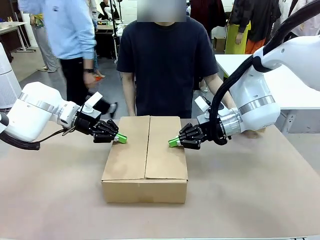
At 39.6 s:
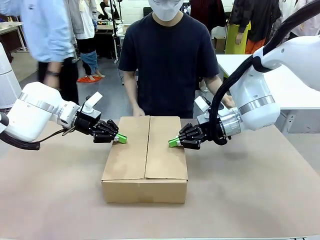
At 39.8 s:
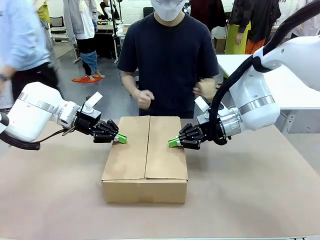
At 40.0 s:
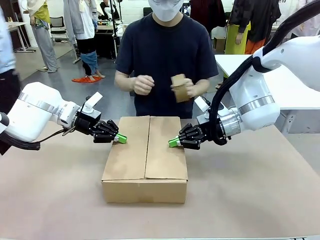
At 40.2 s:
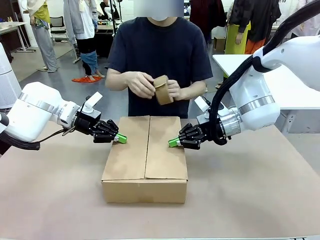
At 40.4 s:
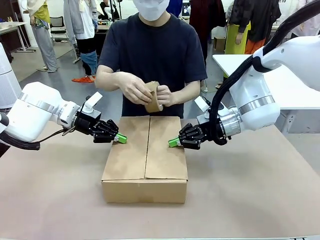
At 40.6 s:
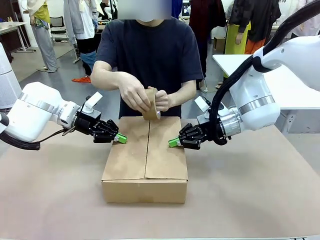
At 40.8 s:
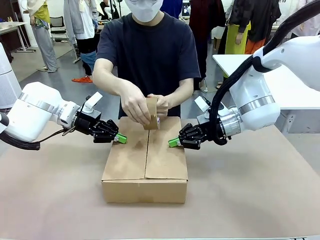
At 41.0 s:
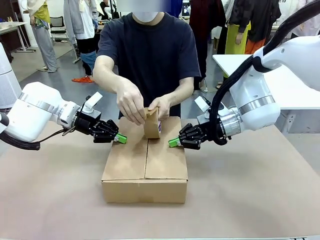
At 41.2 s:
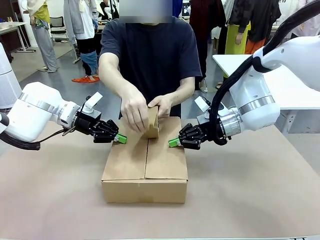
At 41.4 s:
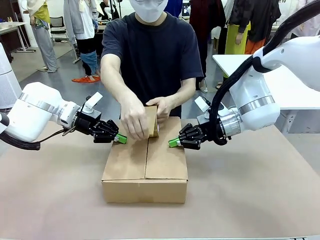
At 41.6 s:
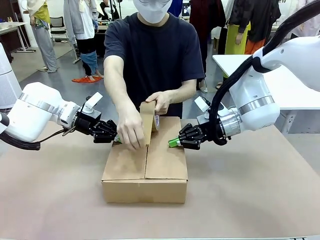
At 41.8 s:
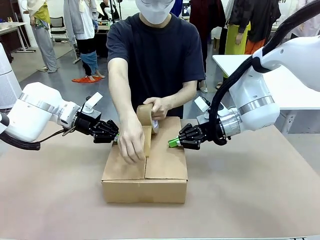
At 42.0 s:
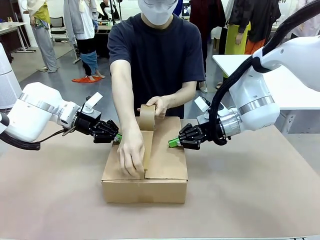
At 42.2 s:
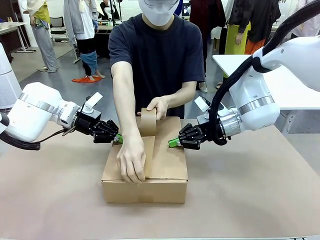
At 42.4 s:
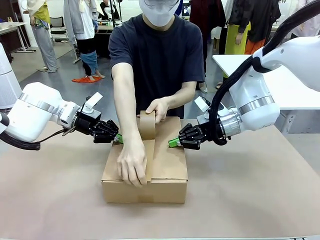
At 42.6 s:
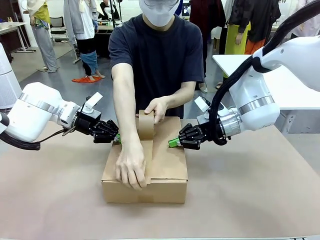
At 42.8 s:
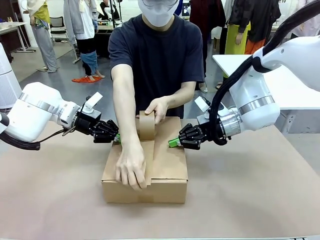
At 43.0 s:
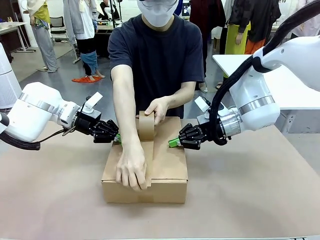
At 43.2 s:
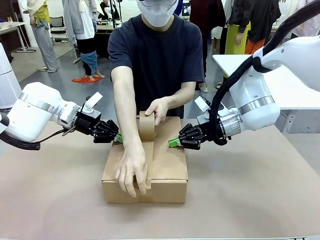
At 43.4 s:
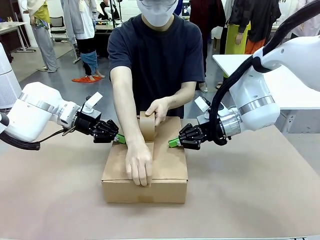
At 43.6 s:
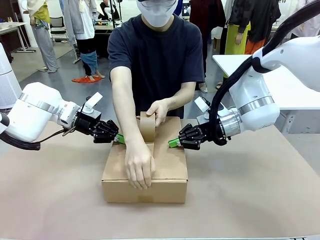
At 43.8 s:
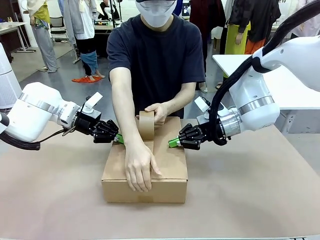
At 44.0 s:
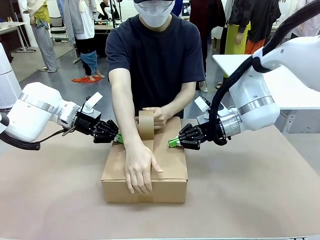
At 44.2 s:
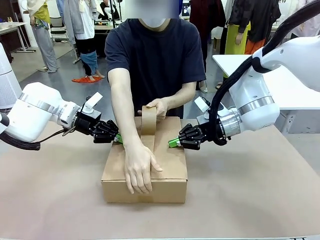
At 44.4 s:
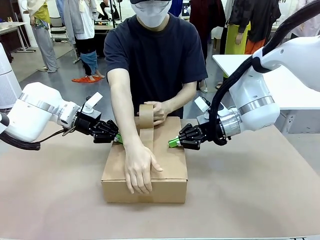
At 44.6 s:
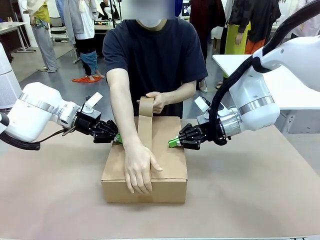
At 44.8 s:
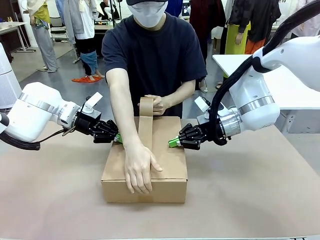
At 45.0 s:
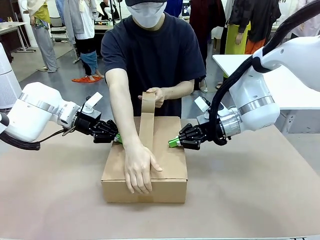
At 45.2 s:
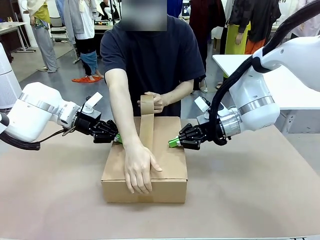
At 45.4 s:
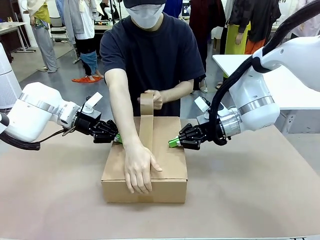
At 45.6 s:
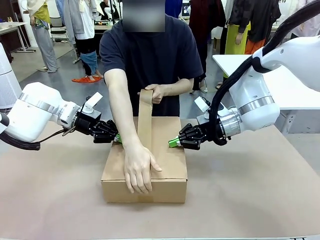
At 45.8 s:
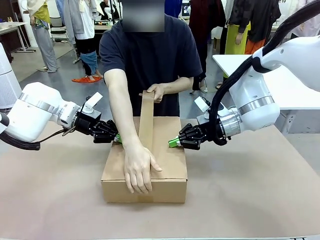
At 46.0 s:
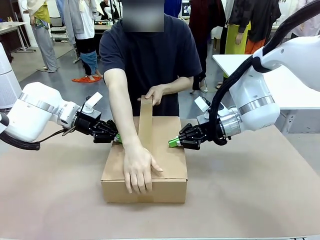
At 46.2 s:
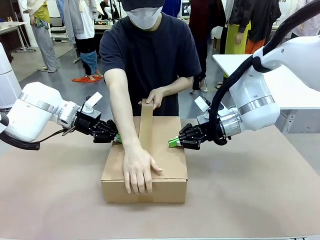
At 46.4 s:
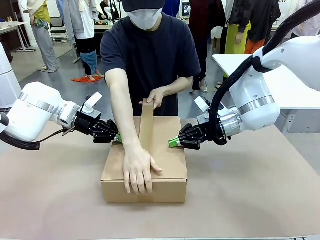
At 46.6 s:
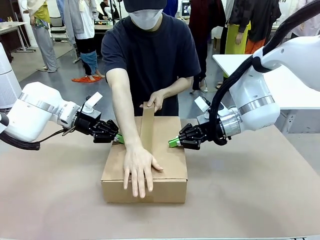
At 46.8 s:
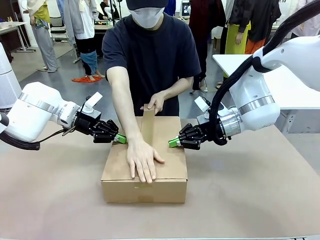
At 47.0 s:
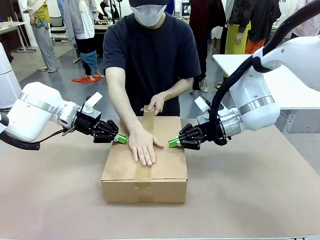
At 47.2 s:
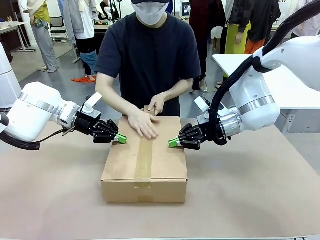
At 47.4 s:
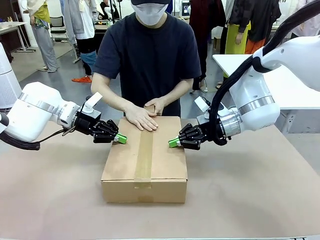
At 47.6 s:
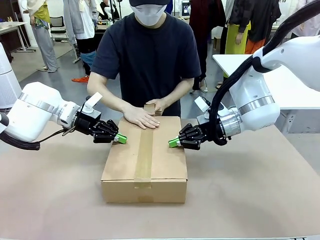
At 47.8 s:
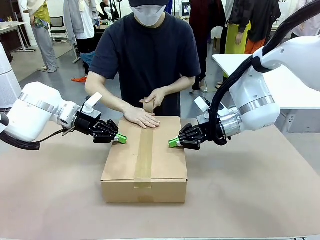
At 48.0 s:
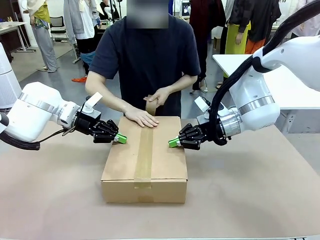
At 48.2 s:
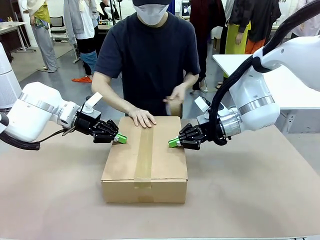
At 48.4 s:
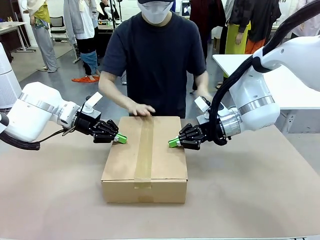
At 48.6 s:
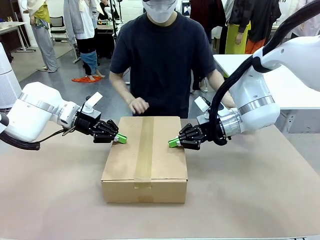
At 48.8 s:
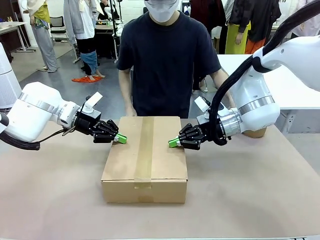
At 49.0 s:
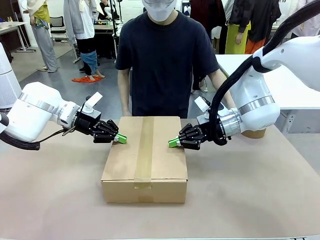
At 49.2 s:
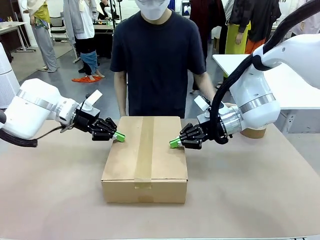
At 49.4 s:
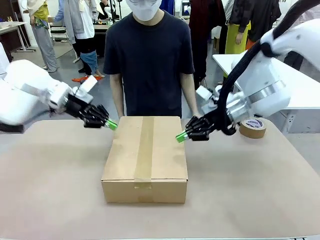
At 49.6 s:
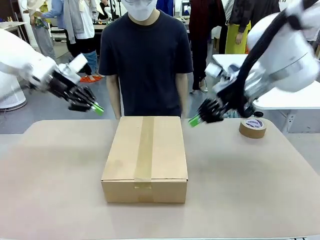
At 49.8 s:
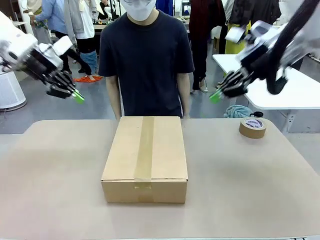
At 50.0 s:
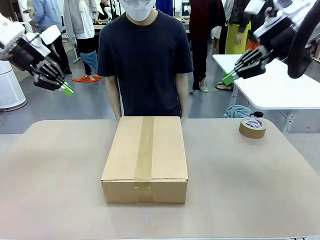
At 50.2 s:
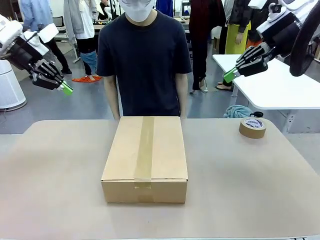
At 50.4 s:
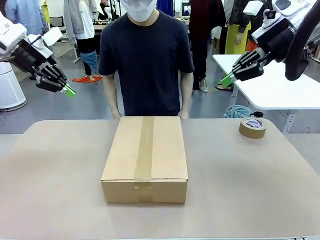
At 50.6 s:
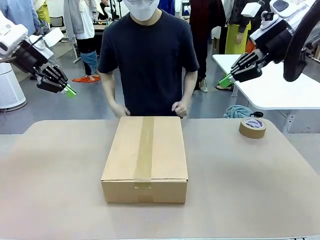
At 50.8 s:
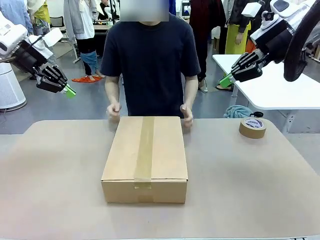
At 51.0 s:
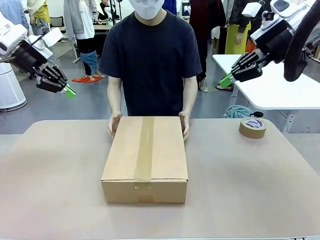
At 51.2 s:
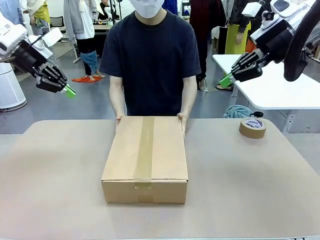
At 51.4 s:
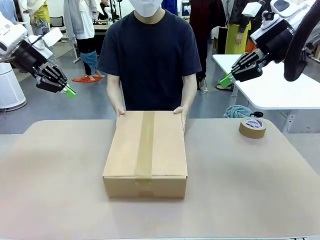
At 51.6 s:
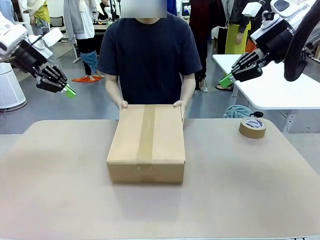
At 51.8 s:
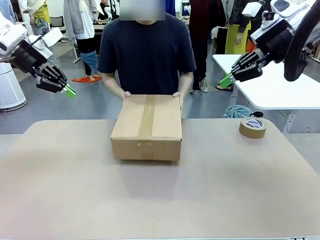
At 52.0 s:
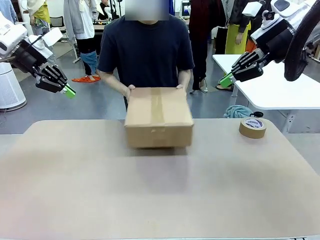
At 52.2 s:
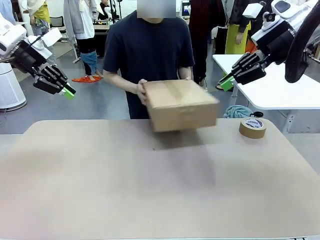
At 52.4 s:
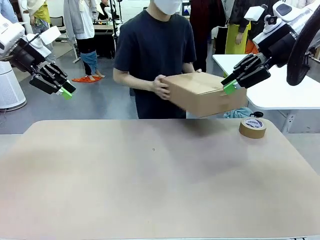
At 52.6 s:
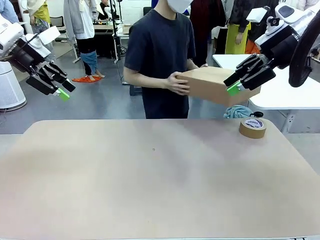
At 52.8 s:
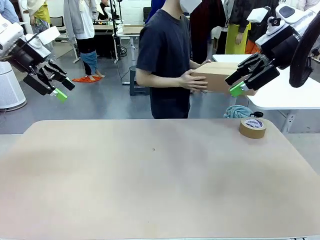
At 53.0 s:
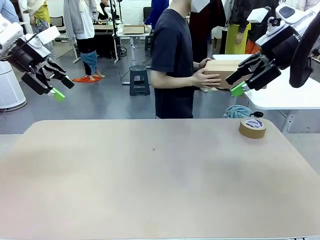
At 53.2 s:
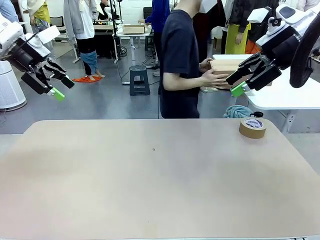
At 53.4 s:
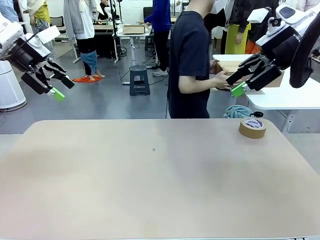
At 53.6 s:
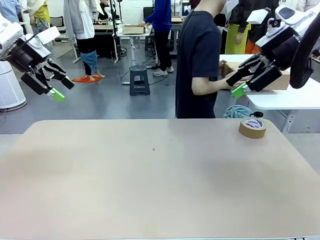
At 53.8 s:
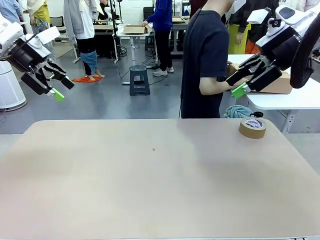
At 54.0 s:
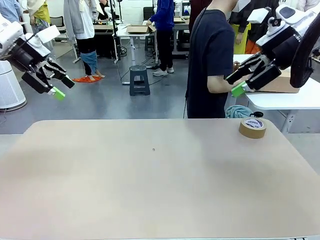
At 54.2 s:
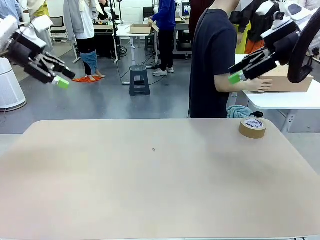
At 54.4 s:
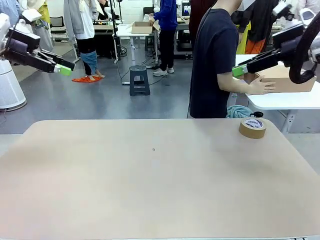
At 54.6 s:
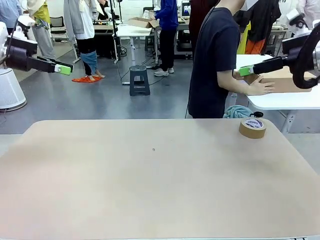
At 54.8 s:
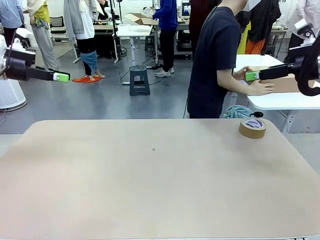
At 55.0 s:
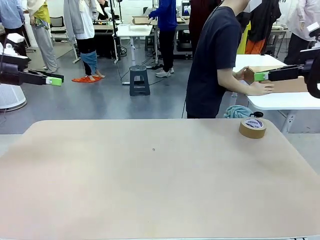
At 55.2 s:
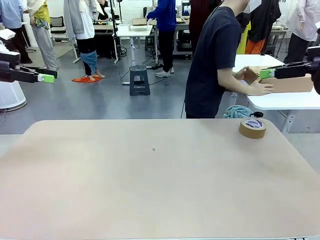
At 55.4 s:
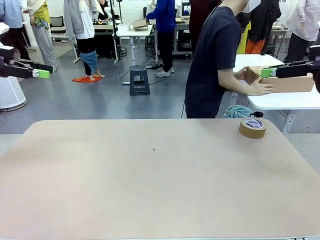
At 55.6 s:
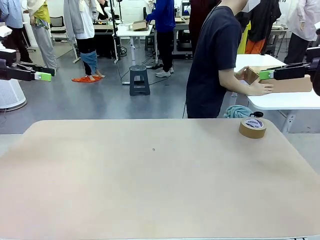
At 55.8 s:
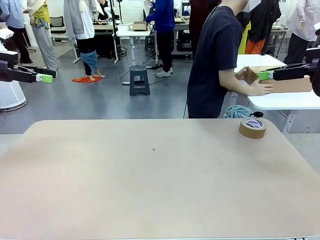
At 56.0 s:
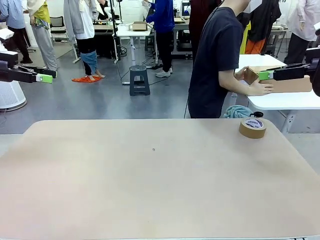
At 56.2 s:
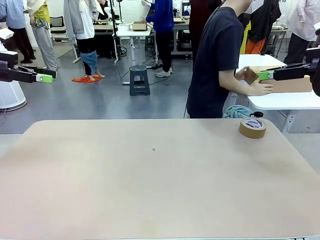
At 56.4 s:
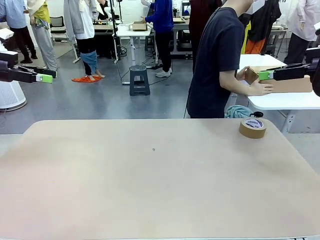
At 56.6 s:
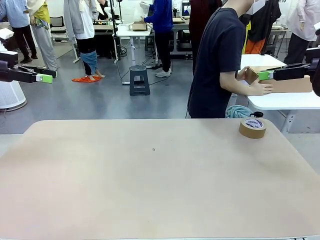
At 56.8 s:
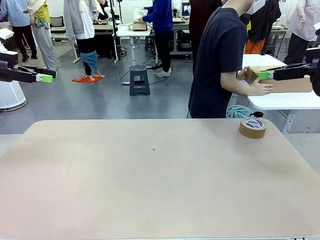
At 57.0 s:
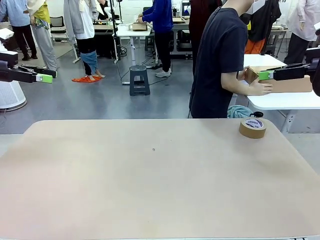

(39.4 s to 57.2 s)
Task: Wrap the clocks to prevent damage.
Robot: After the human seals the box with tape, release both hands from the side flaps of the Package Box.
Person: Once the robot closes the left flap of the Package Box , seal the box with Paper Tape. Place sealed Package Box in the middle of the human's table.
